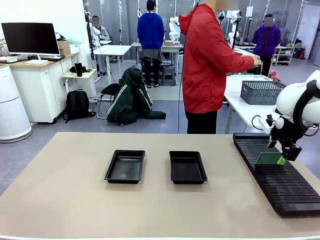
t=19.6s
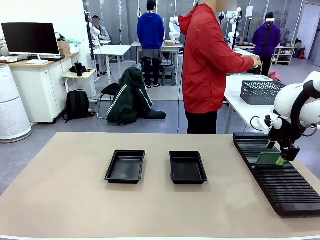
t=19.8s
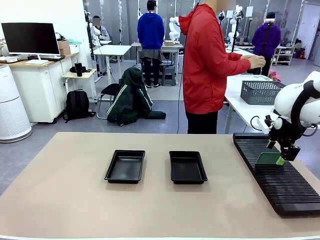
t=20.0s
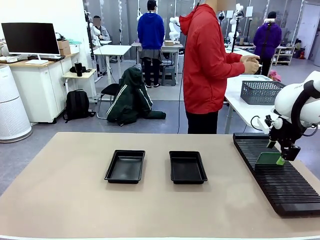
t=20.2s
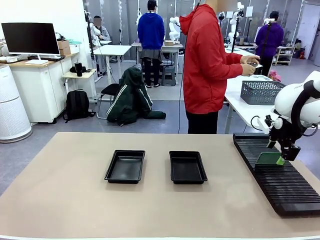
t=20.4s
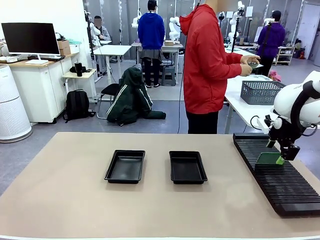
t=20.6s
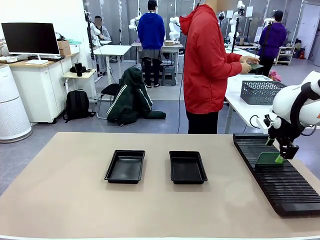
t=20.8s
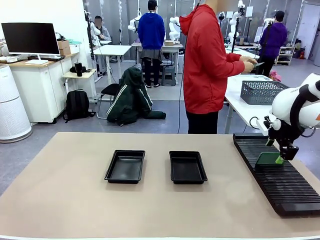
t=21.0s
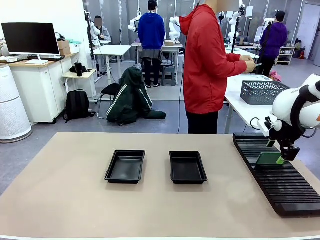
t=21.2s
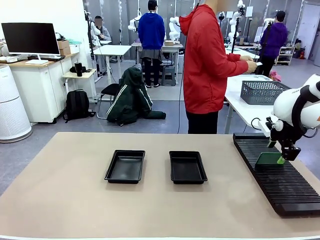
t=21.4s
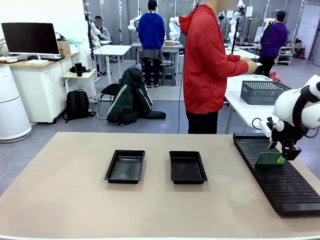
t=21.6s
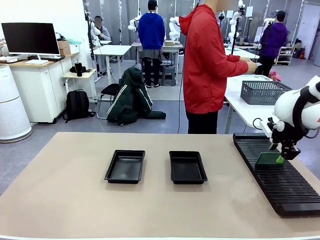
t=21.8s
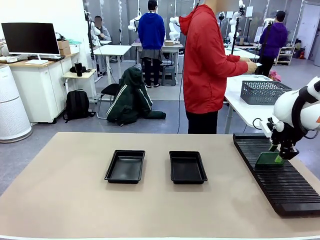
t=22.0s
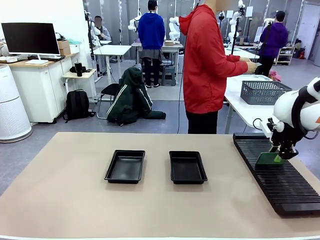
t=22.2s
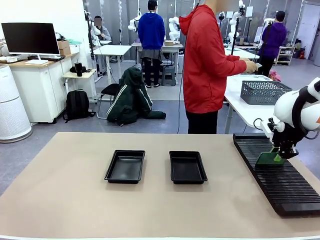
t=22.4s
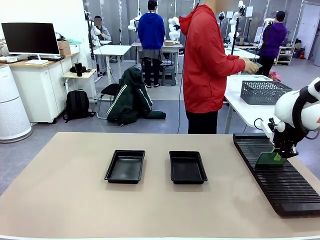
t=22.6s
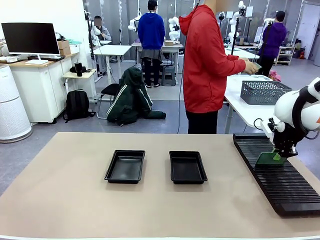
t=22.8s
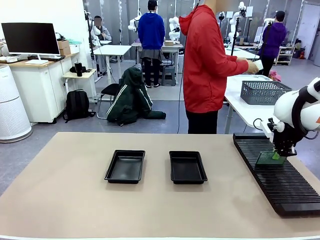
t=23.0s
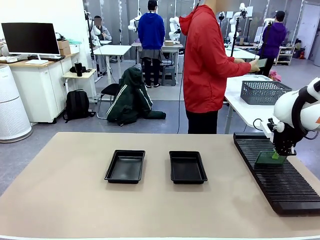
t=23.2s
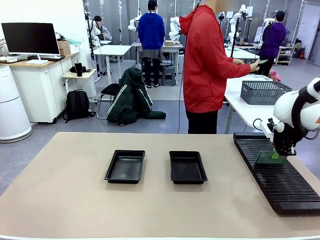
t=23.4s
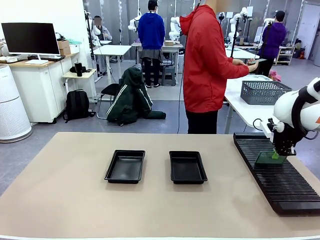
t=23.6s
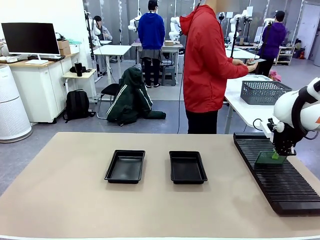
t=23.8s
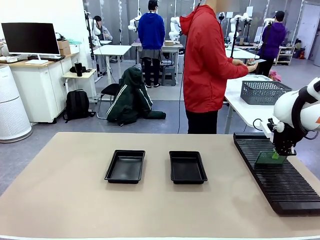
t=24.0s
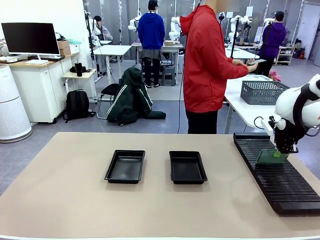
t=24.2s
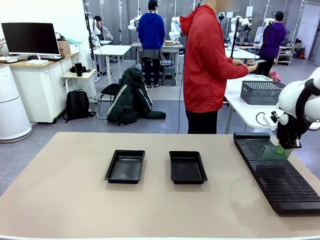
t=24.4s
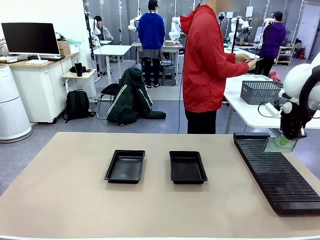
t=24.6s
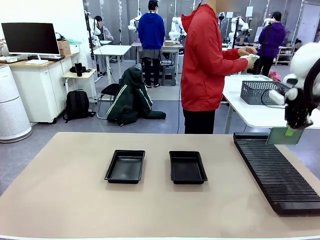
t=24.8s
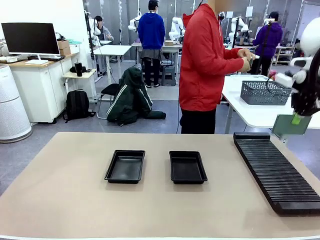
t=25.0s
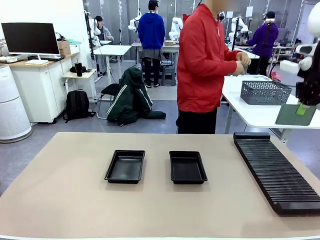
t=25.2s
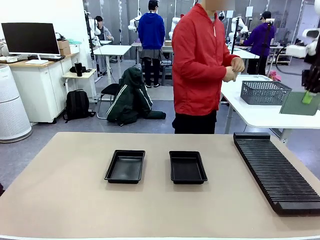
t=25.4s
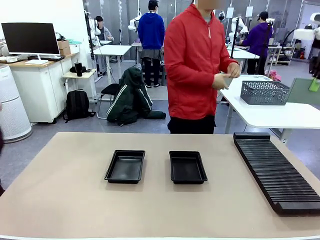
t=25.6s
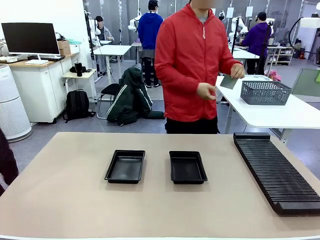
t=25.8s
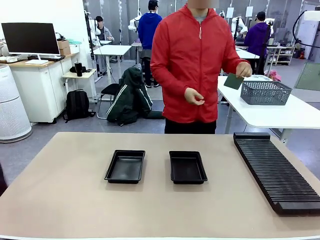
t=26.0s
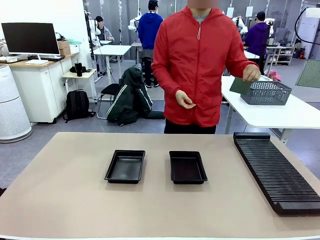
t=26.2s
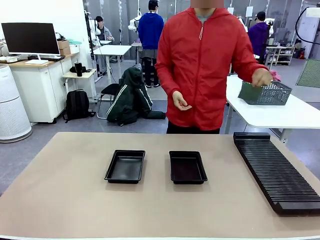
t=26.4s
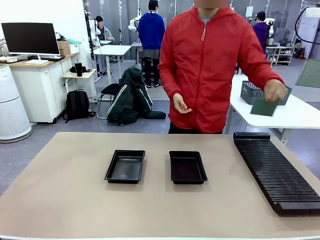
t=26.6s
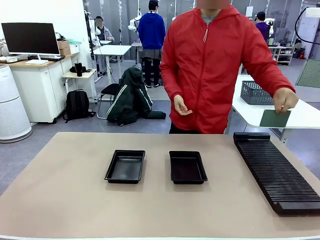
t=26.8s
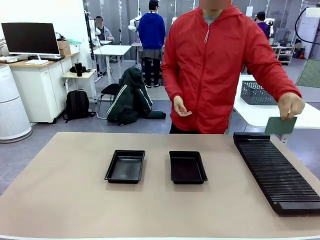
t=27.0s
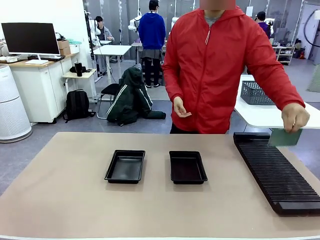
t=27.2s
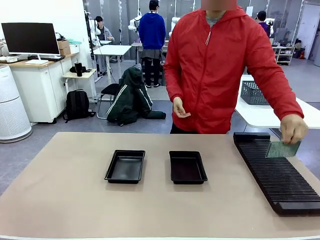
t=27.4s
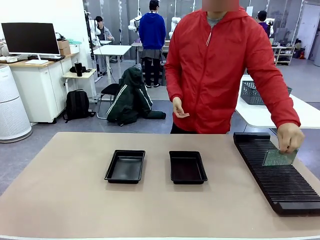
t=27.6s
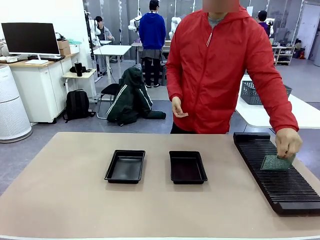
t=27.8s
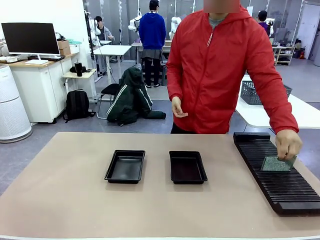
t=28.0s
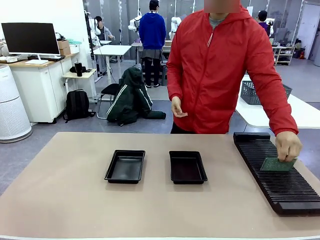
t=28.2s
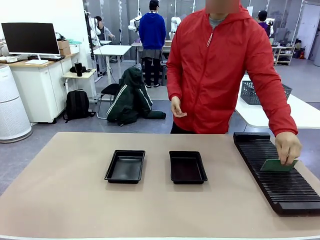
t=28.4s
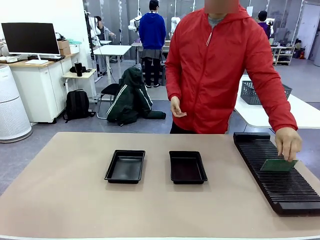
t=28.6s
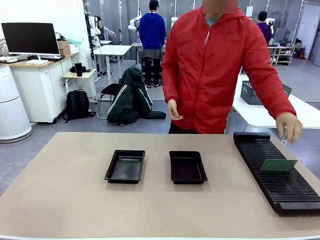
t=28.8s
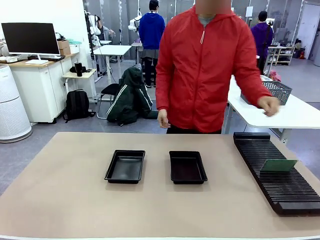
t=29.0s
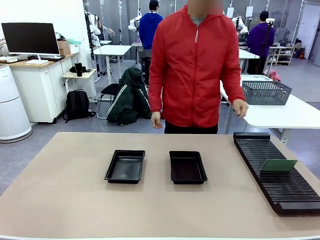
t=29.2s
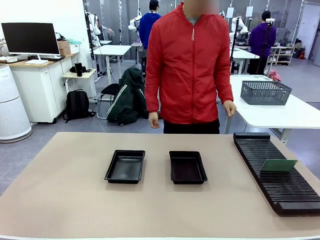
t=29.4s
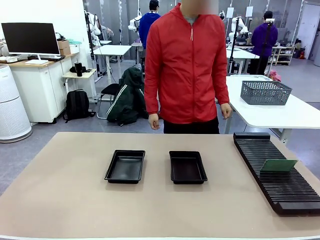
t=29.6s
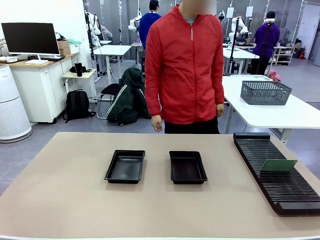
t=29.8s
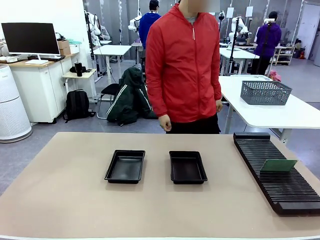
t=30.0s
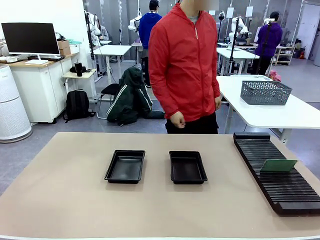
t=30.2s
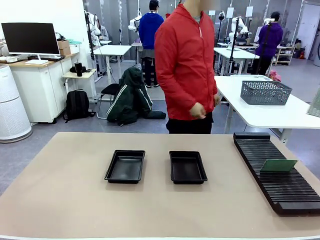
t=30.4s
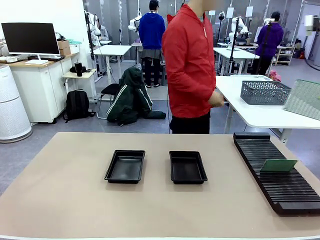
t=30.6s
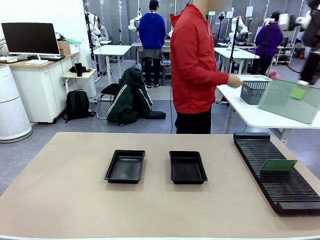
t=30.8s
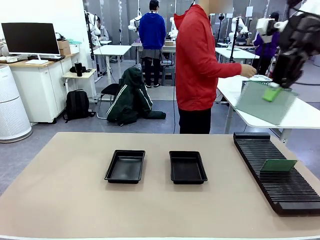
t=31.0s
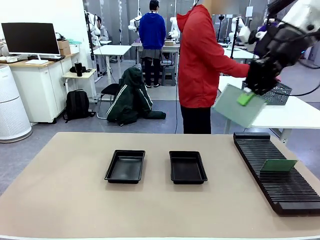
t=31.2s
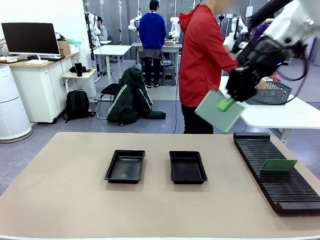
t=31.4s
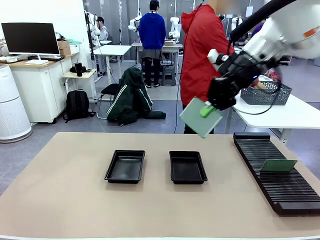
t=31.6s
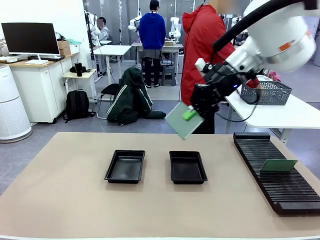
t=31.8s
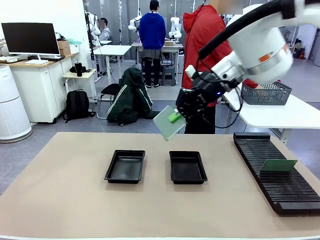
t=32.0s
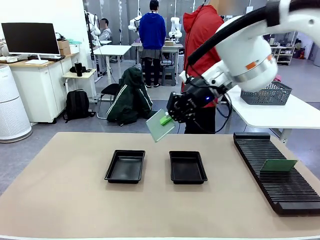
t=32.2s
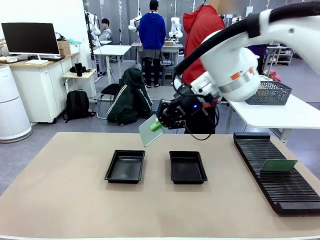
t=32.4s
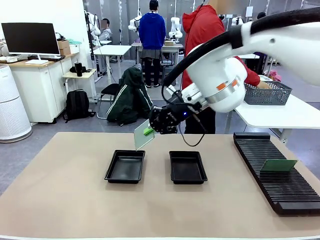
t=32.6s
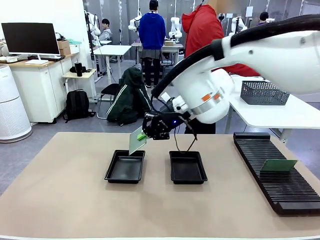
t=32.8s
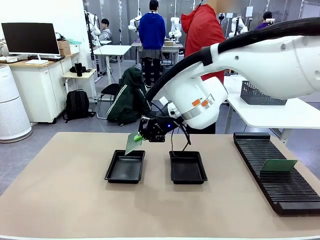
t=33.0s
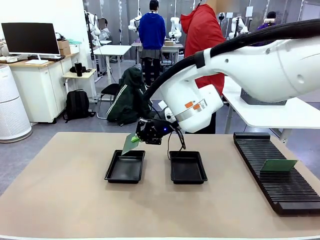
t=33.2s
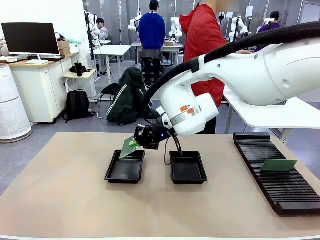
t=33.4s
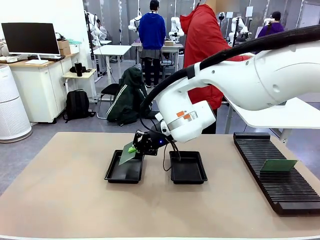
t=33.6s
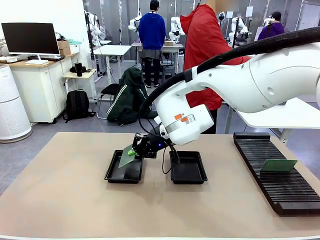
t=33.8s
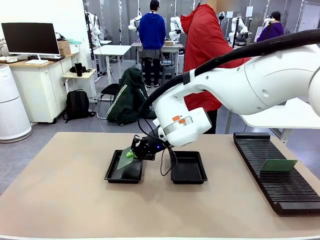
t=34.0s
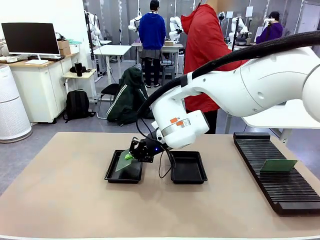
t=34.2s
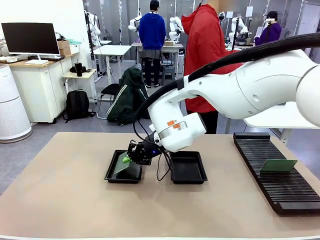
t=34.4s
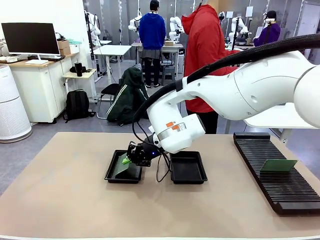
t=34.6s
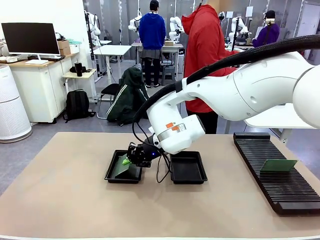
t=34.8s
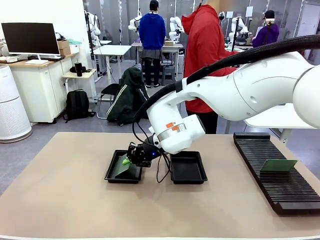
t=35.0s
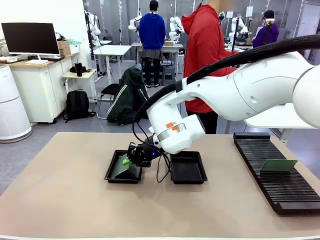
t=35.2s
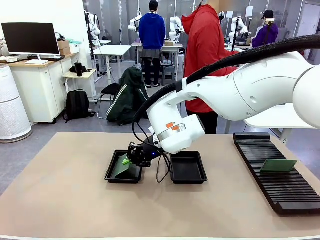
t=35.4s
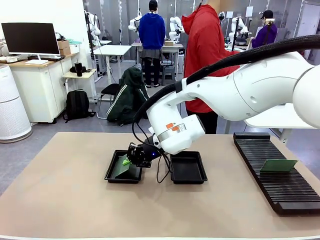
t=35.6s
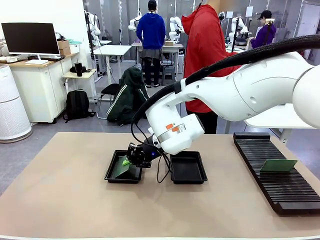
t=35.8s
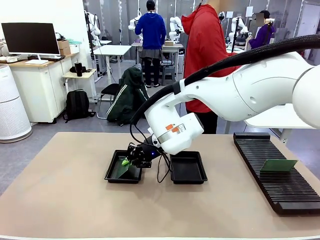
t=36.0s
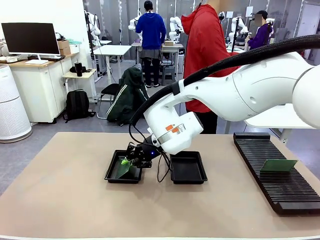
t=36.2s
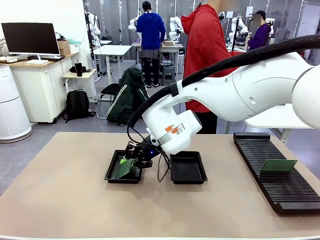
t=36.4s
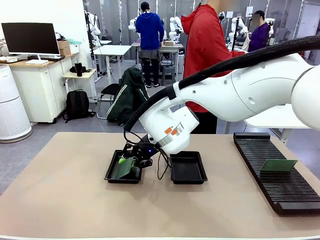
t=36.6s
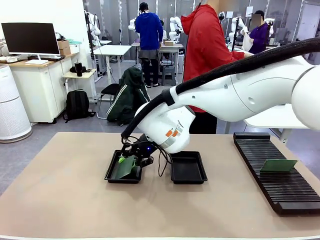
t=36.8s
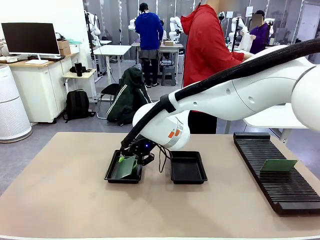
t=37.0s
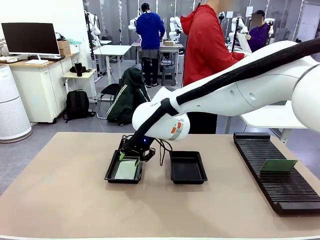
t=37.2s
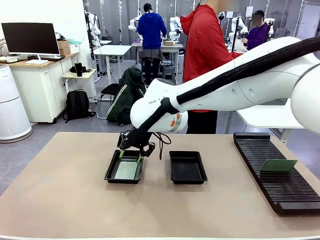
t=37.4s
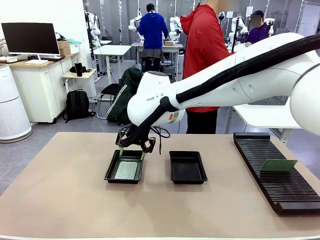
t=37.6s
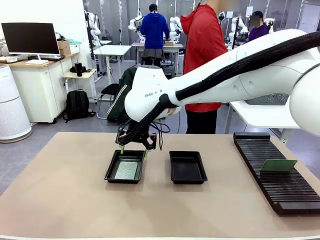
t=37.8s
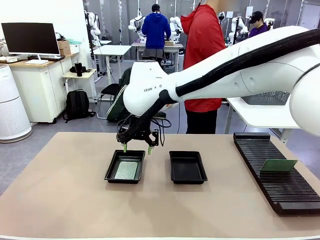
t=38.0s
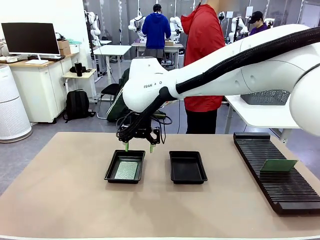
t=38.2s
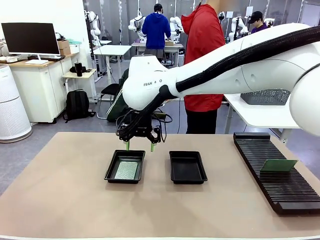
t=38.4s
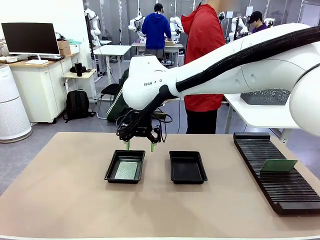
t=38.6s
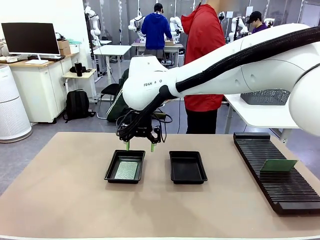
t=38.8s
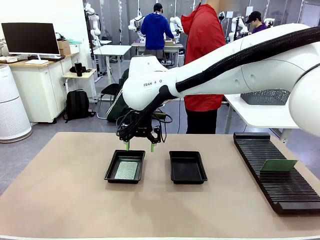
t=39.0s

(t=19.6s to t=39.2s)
Task: Inspect and transfer BCBs to ESD trays.
Robot: Pick up the Blank PCB from the PCB Rack and place it in the left ESD tray.
